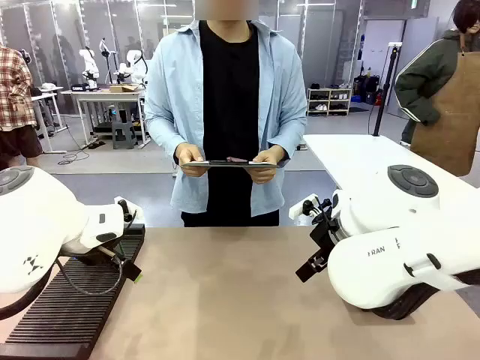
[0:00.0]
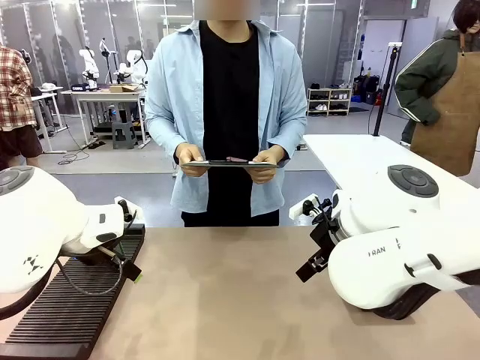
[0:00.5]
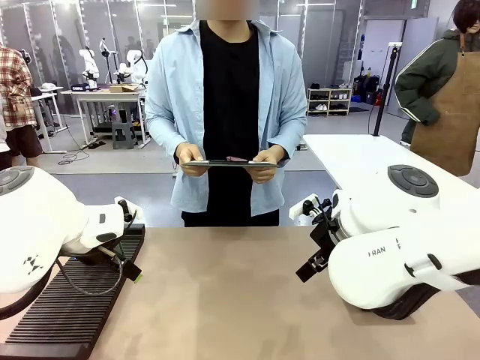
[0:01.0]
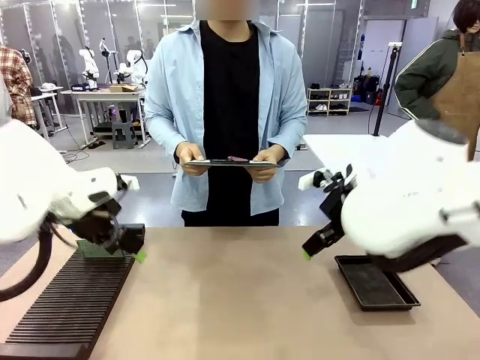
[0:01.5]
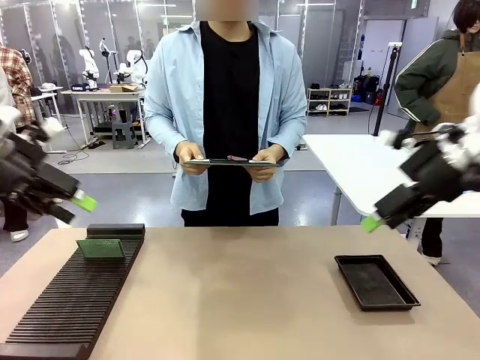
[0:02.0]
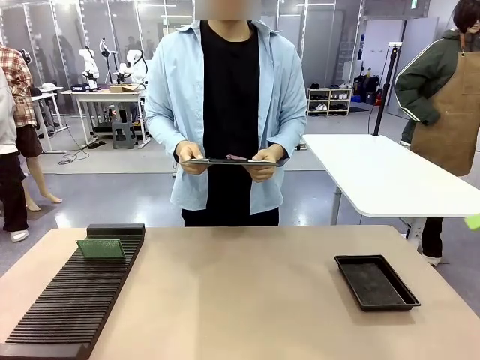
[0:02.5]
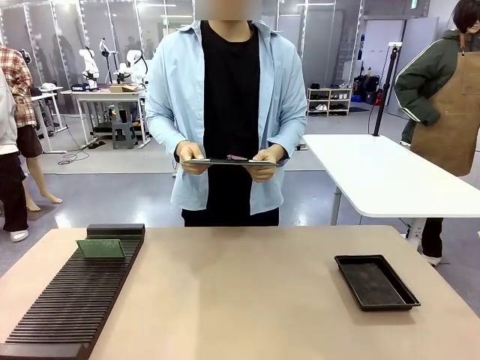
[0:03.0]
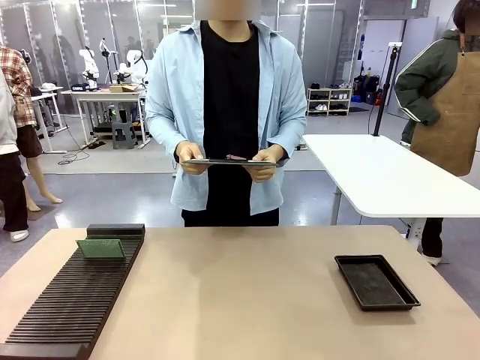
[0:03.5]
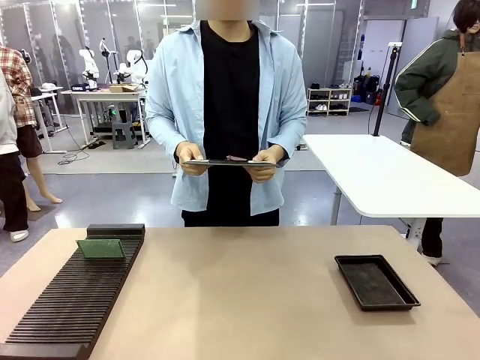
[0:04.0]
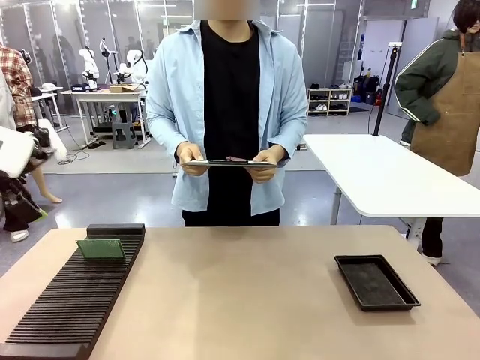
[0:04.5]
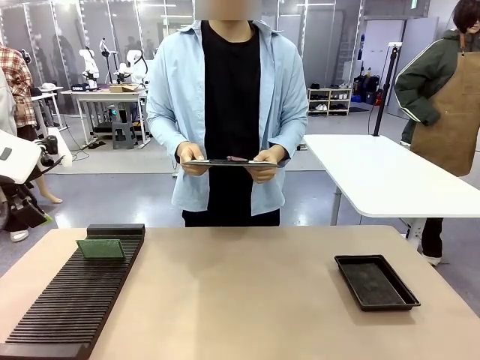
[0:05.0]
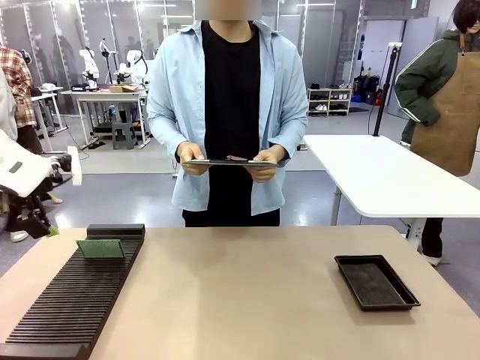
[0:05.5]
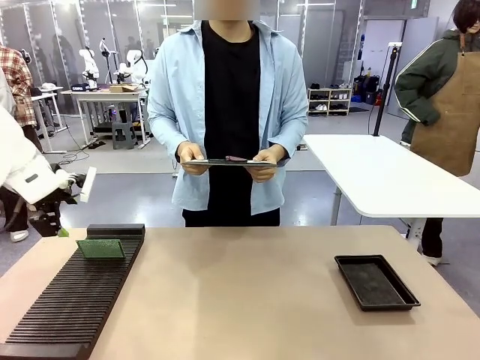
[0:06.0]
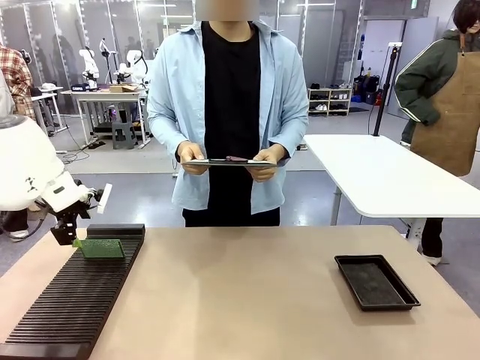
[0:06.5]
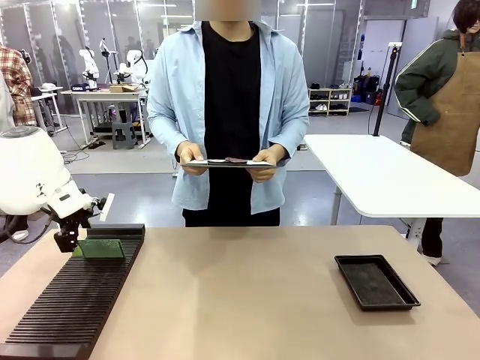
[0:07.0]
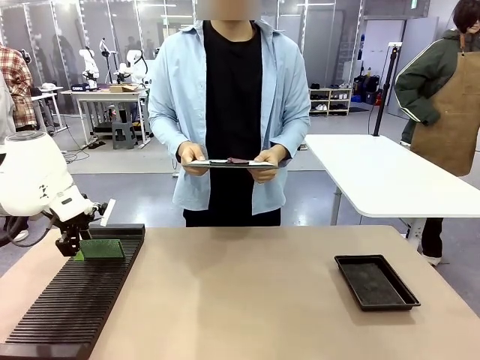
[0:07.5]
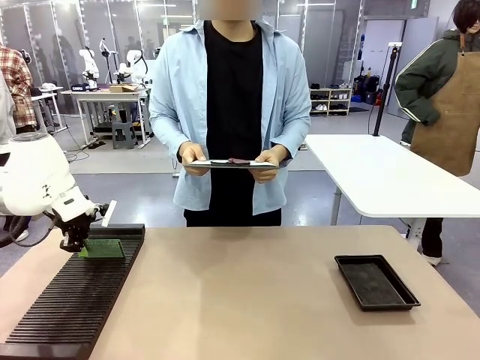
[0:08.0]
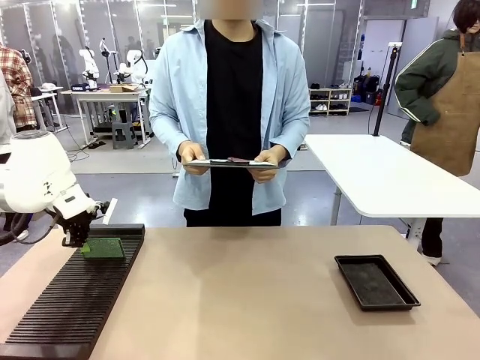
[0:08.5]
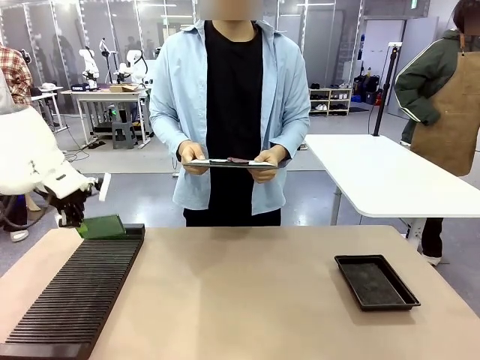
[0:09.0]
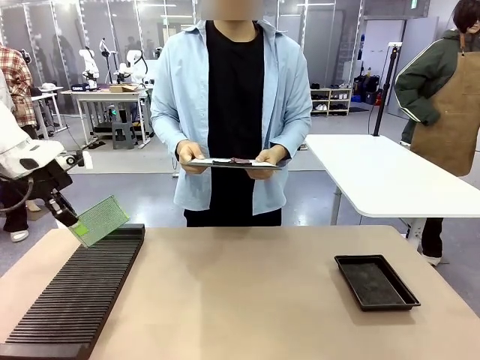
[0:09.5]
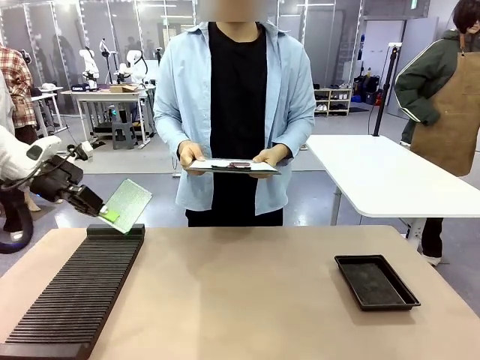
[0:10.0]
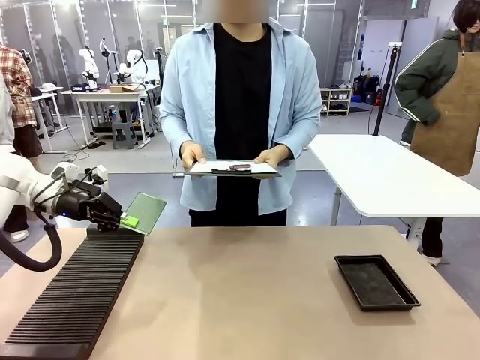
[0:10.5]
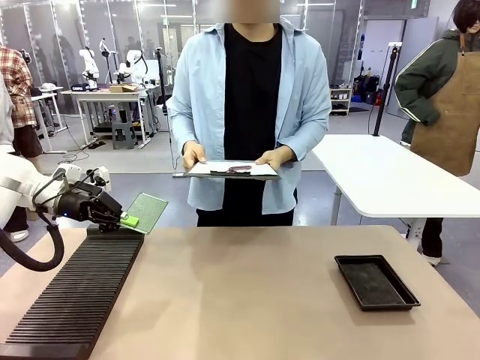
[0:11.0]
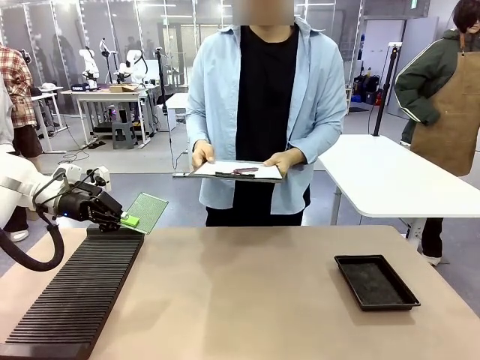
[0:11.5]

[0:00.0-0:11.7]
Task: Inspect the PCB.
Robot: Pick up the Blank PCB and present it to the human.
Person: Pick up the PCB presented by the robot.

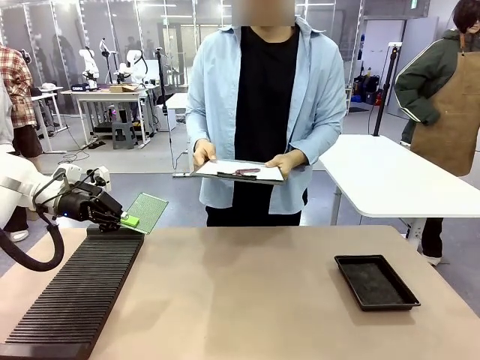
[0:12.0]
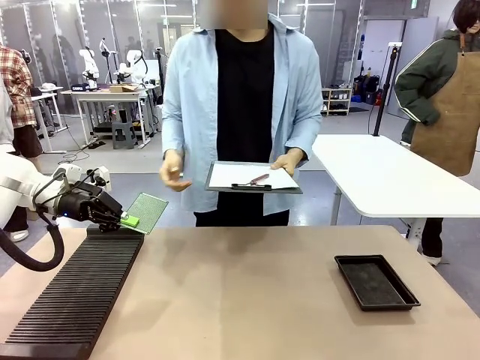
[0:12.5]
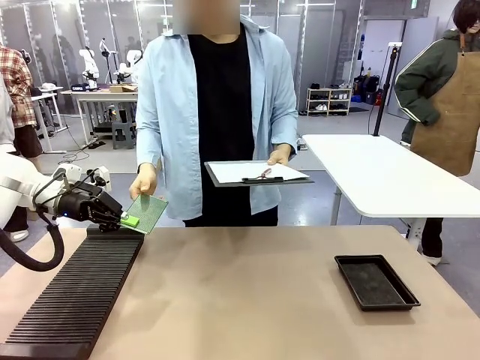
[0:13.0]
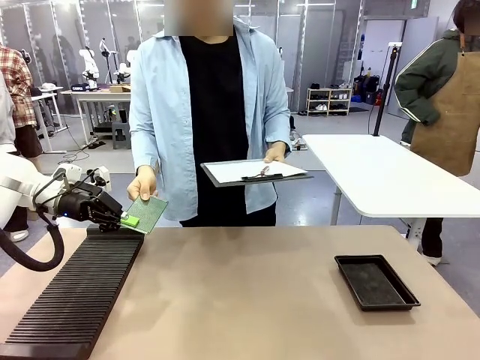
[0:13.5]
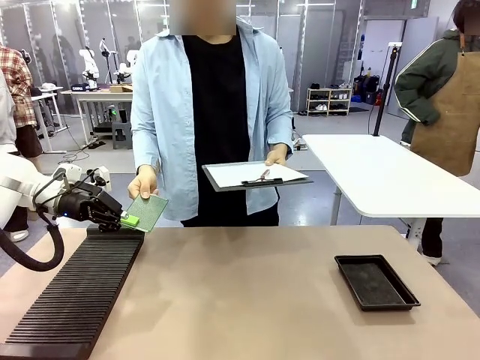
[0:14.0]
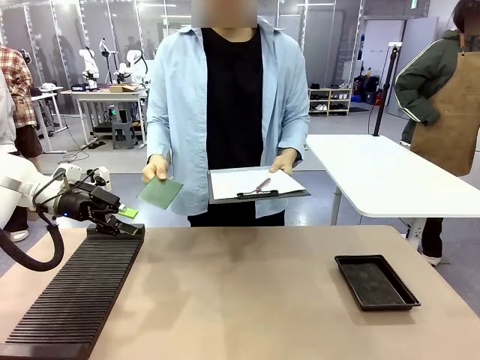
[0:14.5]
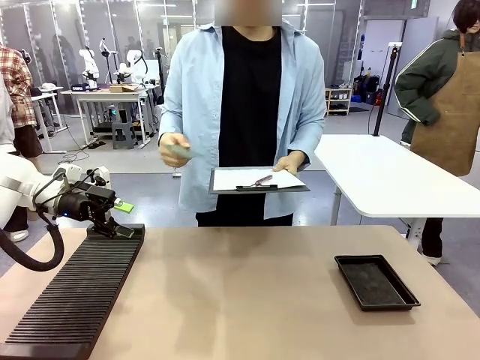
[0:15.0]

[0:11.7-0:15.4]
Robot: Release the Blank PCB you were holding.

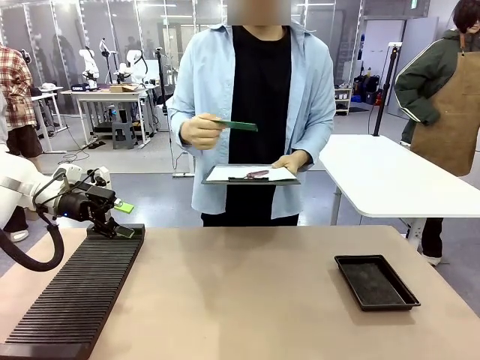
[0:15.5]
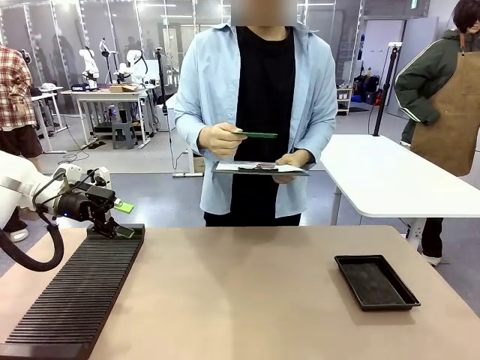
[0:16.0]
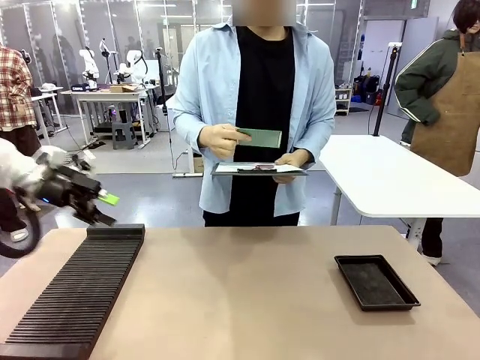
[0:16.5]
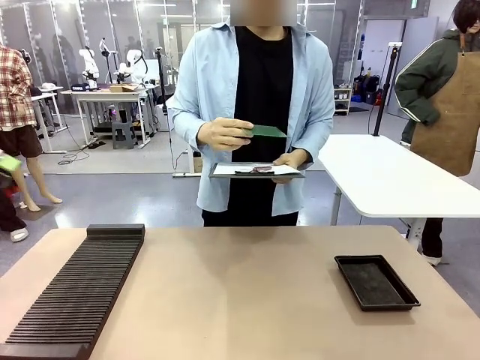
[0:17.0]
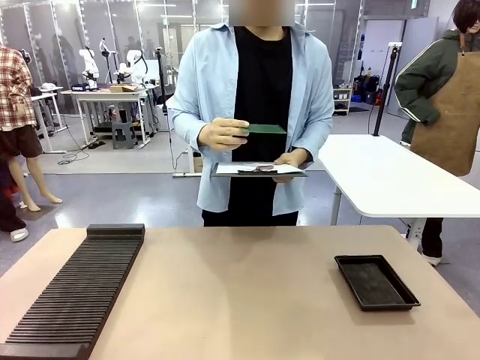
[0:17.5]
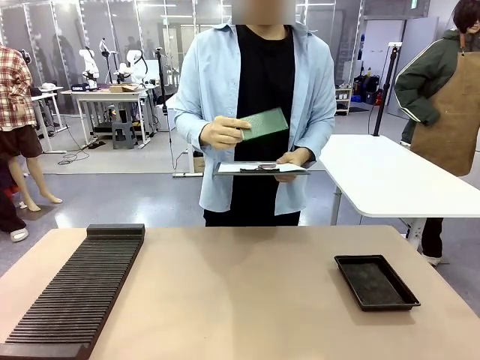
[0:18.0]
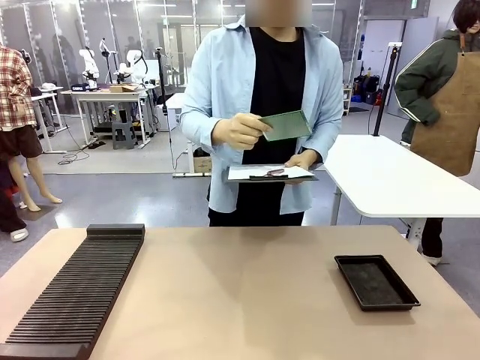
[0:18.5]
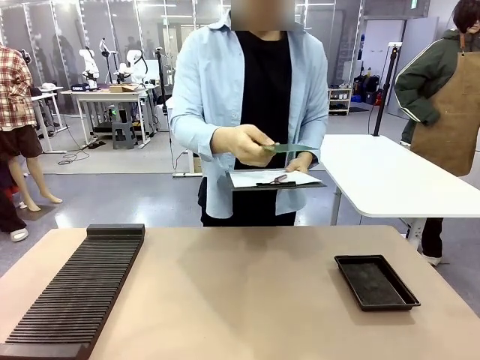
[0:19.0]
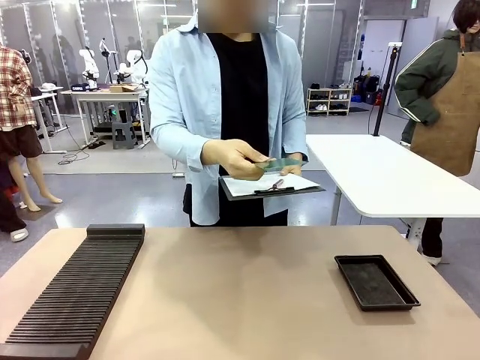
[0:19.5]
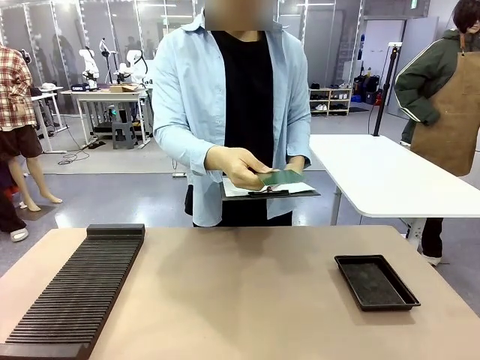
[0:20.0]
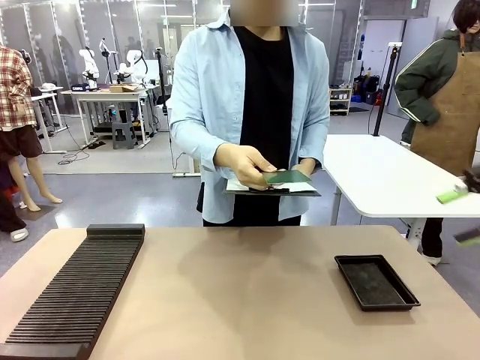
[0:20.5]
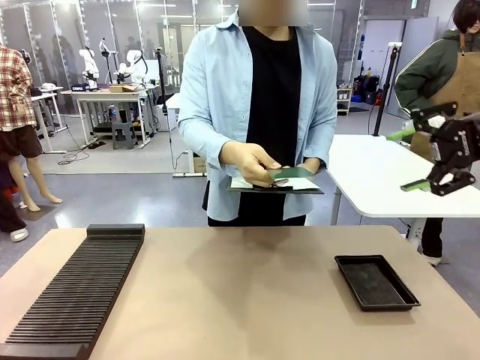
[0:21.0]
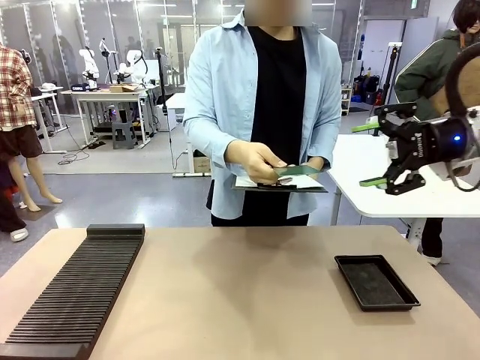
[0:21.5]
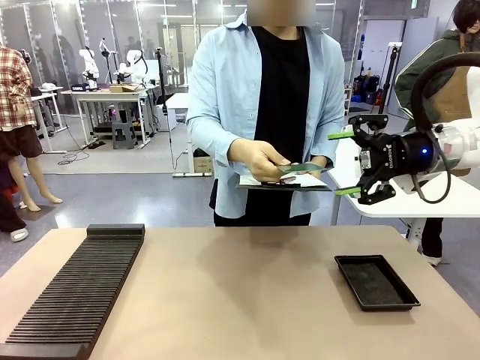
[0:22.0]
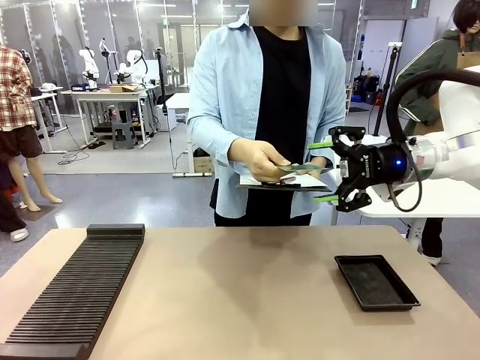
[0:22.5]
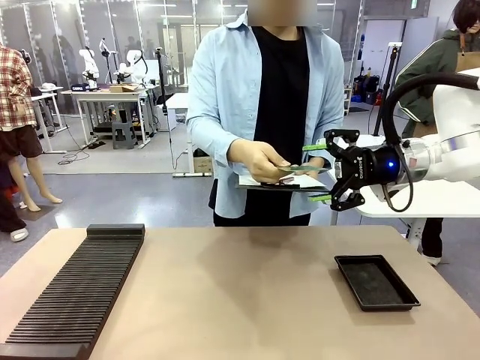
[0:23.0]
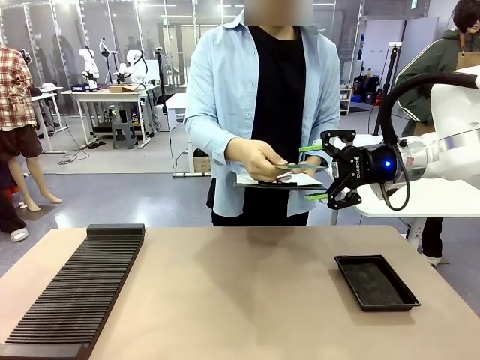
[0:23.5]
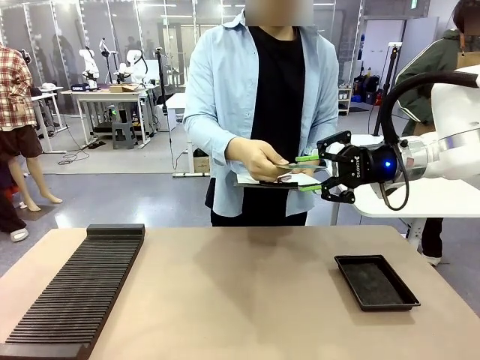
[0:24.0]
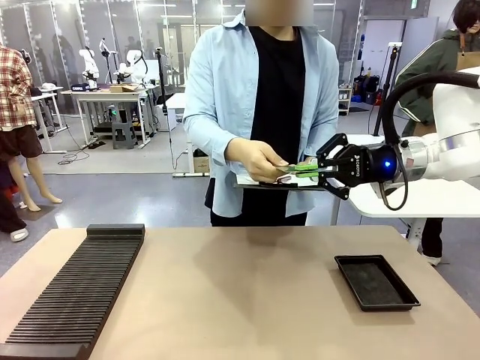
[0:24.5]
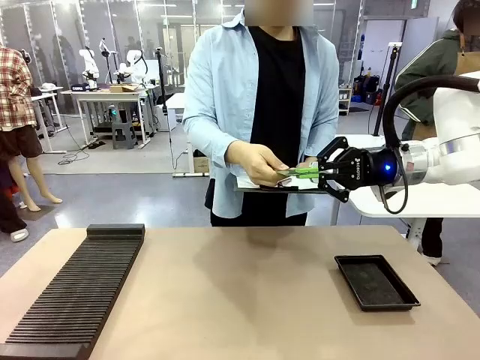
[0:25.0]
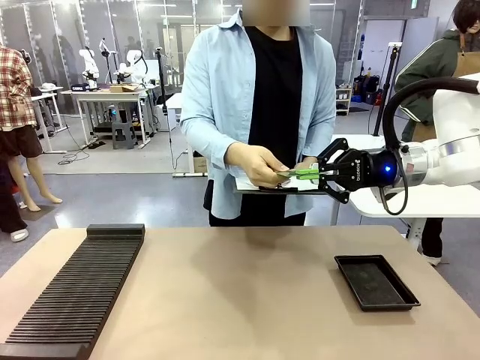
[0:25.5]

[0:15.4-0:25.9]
Robot: Pick up the Blank PCB that the human is holding.
Person: Inspect the PCB placed by the robot, then hold it out in front of the robot. Release the PCB you were holding.
